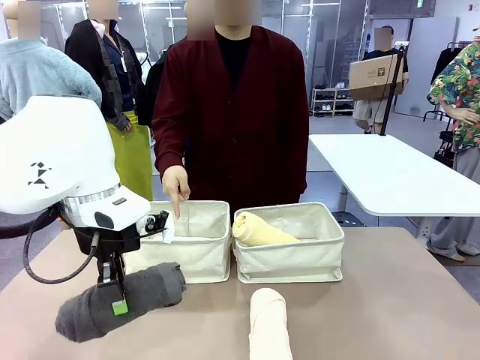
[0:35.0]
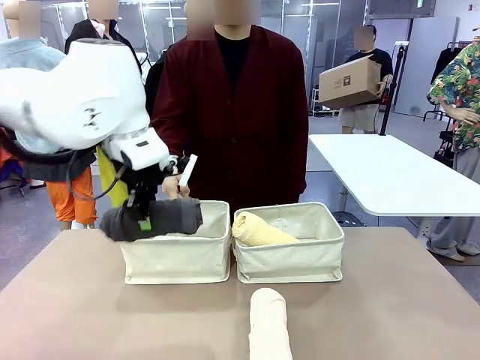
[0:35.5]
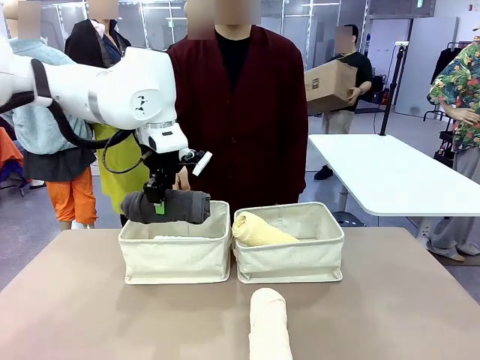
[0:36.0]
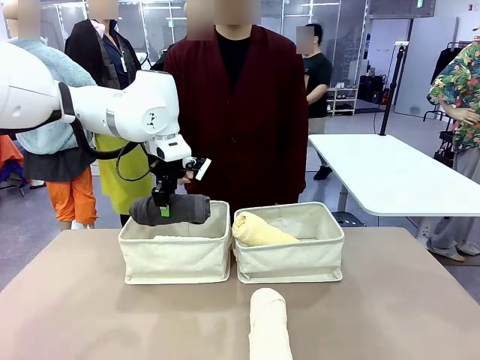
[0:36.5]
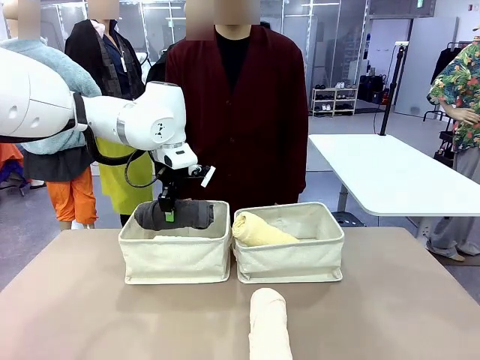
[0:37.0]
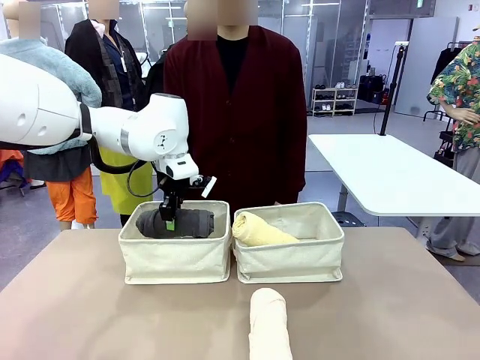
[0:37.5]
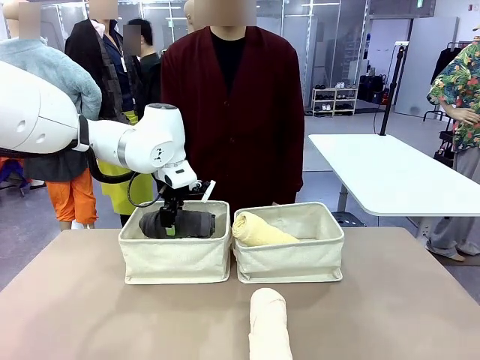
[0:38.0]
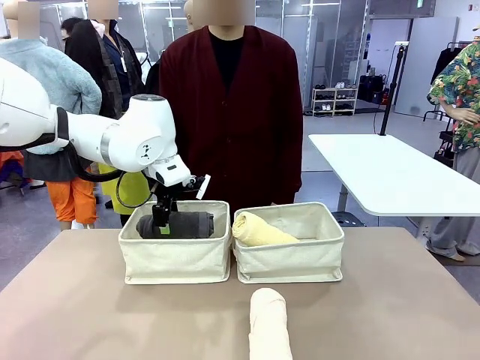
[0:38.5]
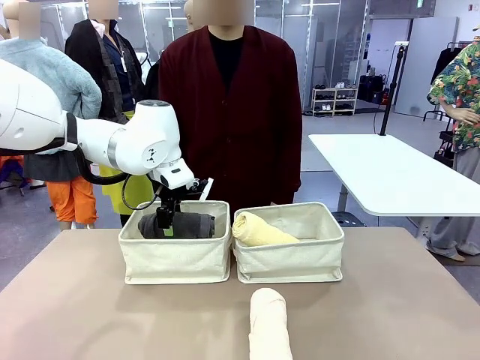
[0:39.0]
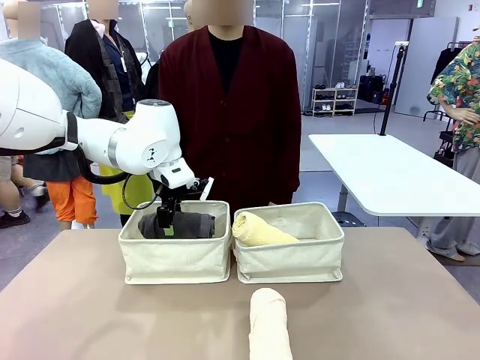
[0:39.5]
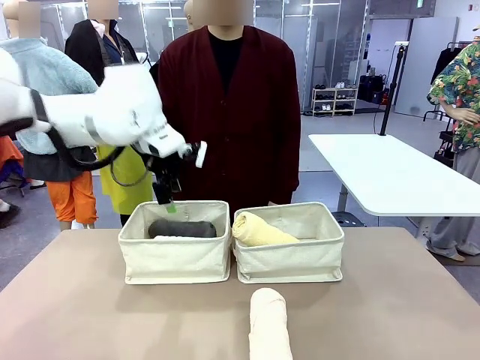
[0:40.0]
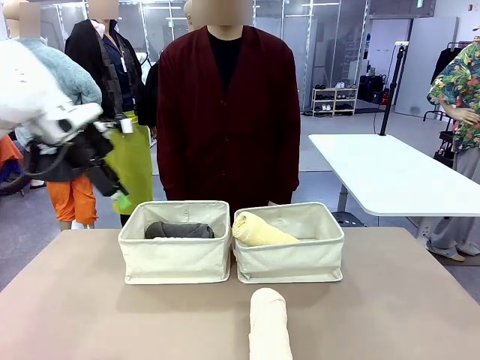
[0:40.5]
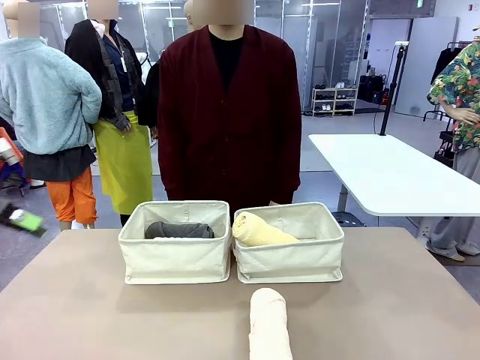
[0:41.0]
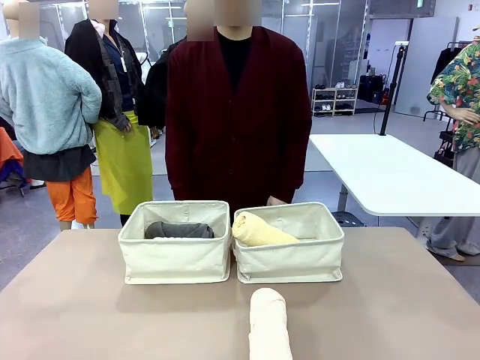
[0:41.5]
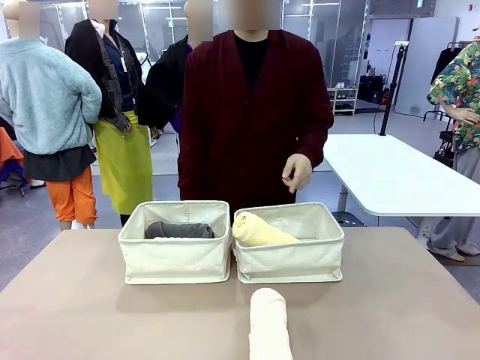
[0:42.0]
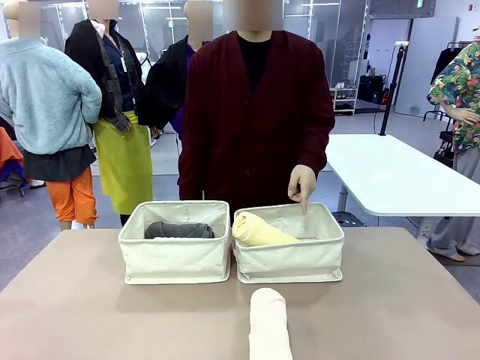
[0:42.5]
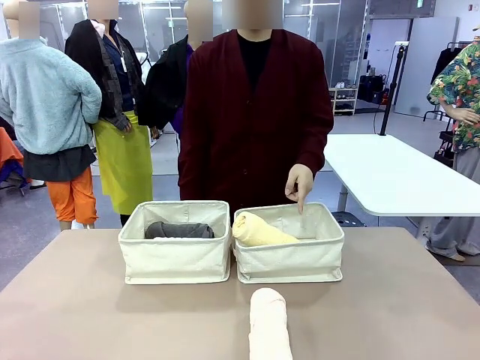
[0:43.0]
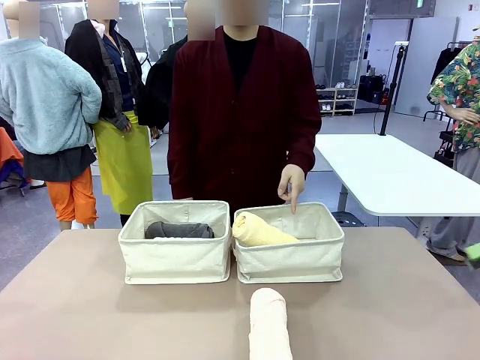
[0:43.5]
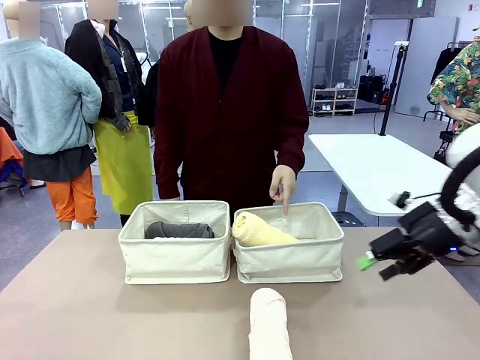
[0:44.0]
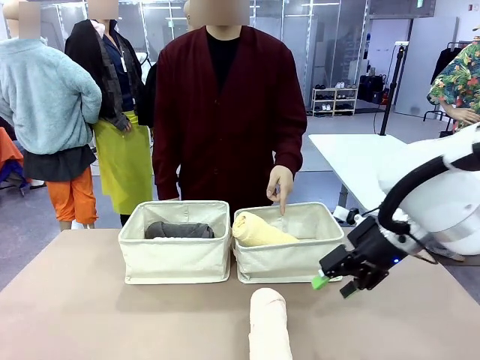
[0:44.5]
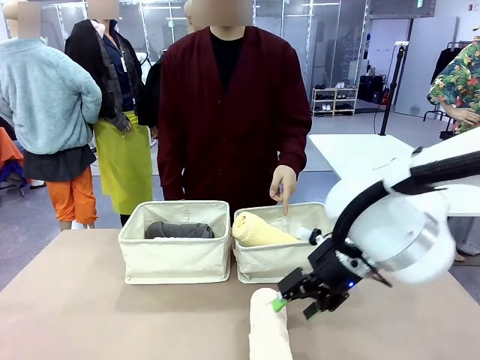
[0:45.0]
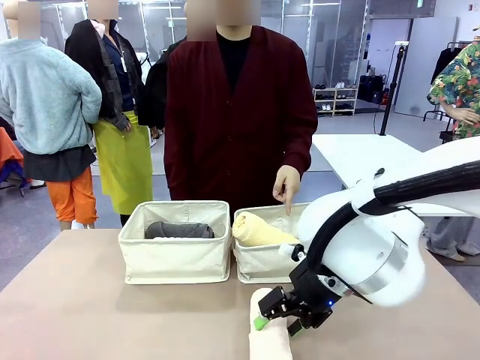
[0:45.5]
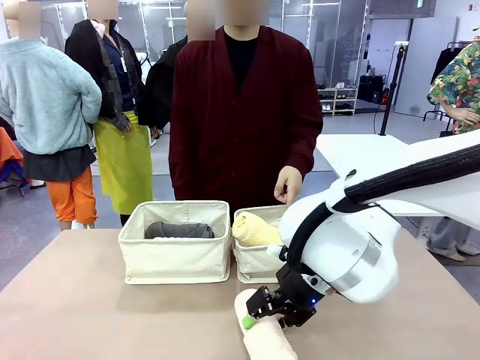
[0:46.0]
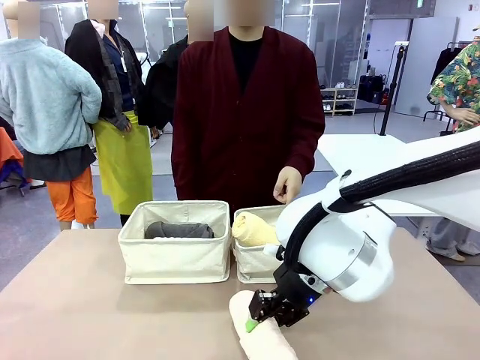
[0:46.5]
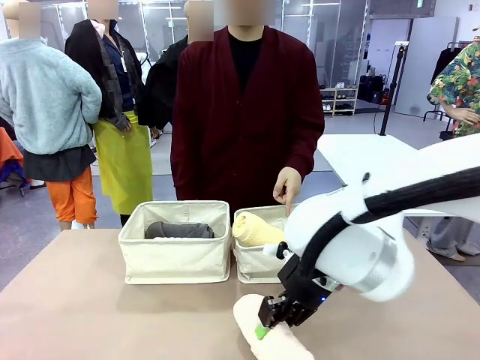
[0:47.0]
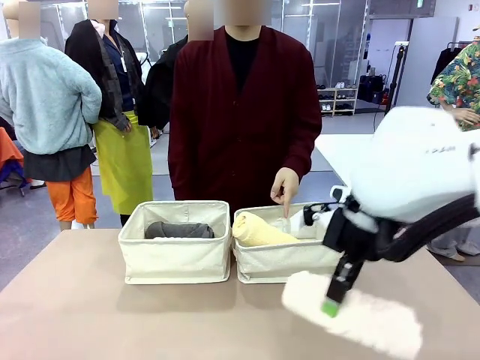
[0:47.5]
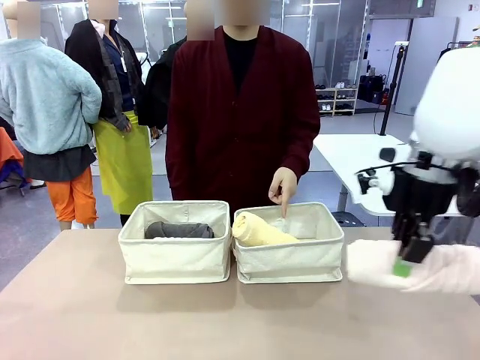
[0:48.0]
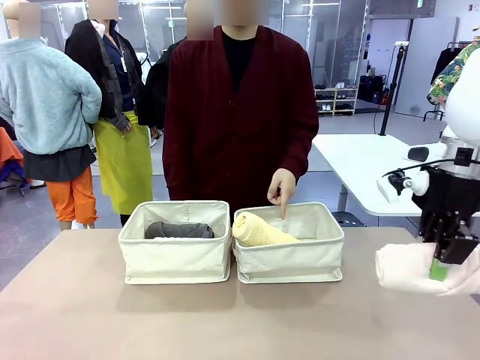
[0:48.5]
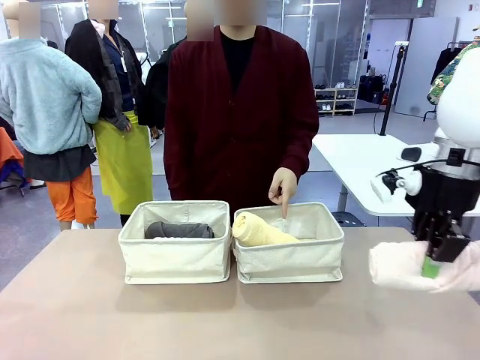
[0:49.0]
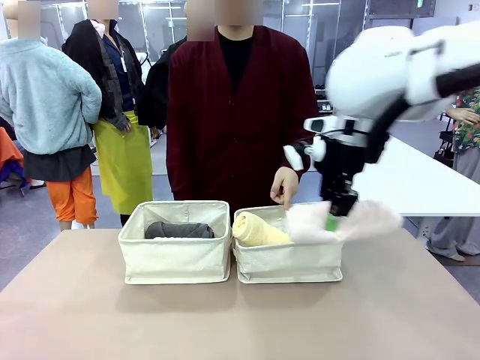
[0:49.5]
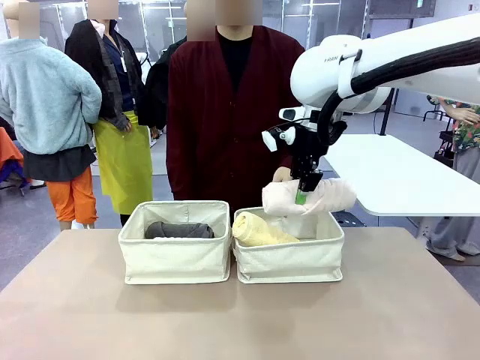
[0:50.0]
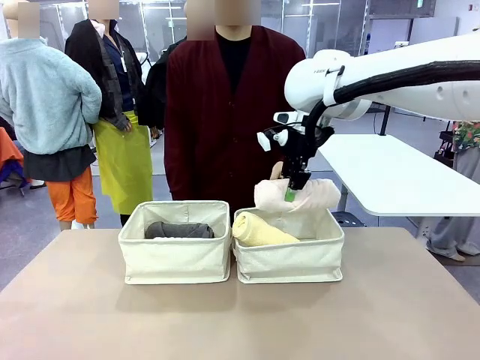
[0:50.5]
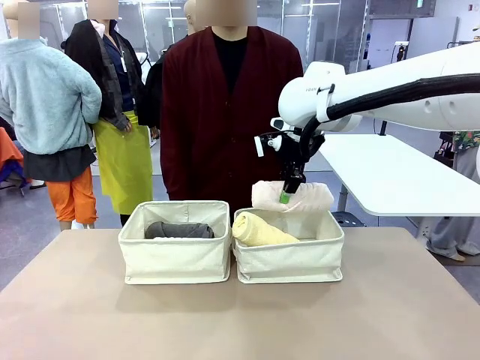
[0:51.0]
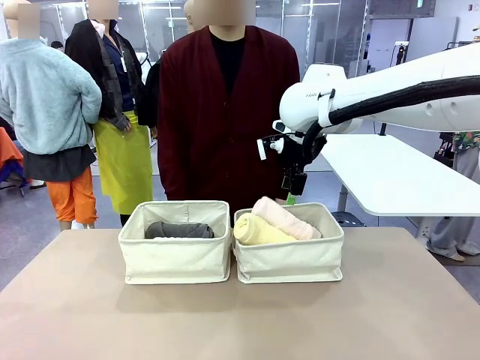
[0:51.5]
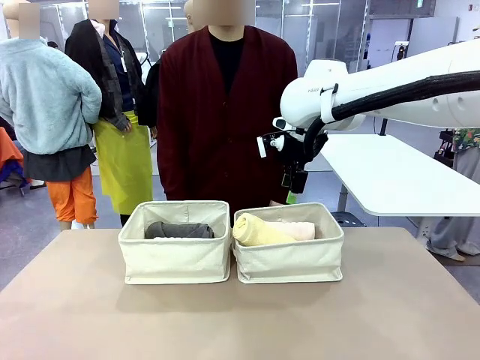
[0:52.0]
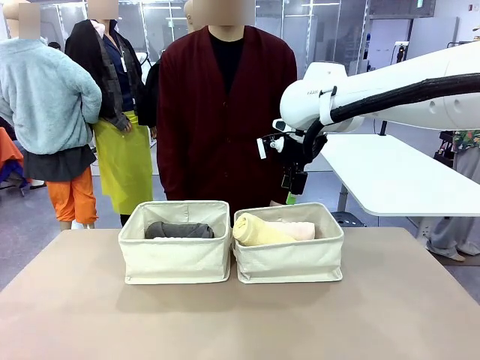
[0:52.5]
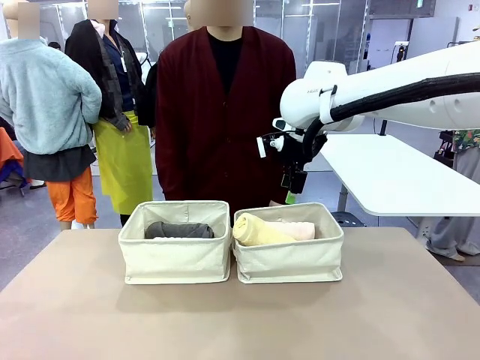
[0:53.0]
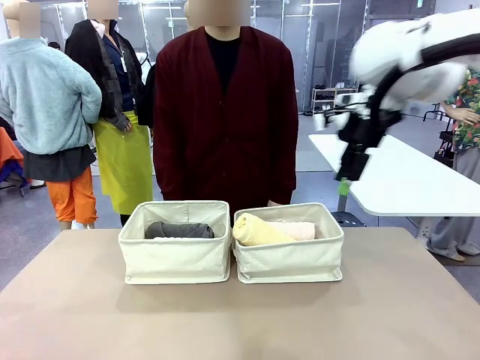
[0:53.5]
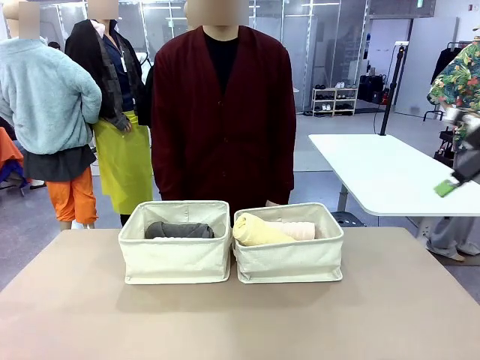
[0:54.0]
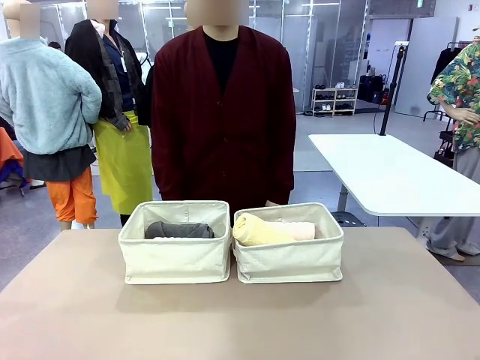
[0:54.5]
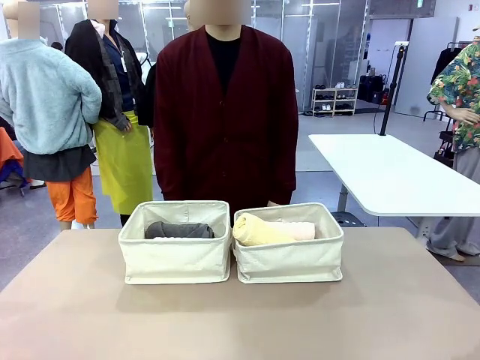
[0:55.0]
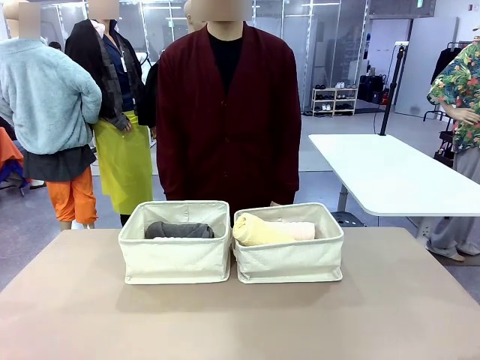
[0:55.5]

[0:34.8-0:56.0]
Task: Divide the towels into two baskets.
Robot: Pick up one hotel-folded towel from the bottom of the table and place it in the Fabric basket indicated by the person.
